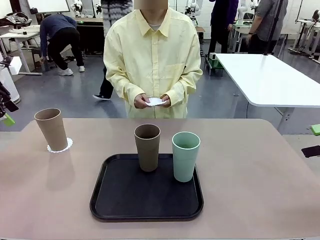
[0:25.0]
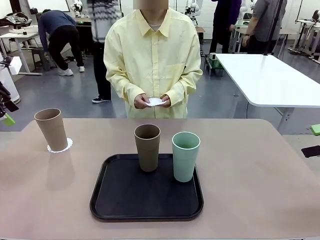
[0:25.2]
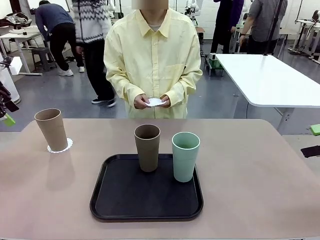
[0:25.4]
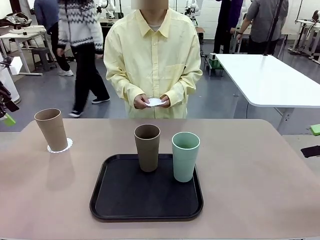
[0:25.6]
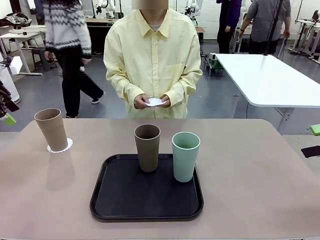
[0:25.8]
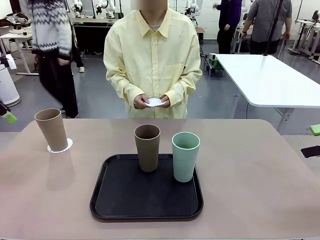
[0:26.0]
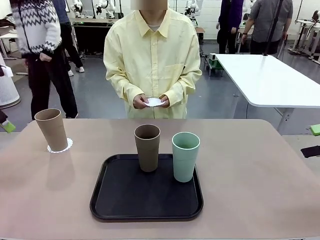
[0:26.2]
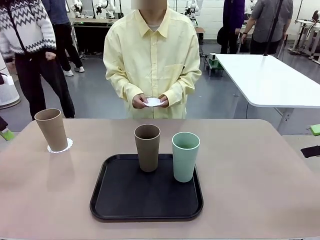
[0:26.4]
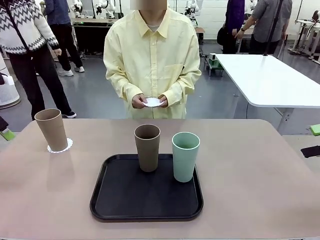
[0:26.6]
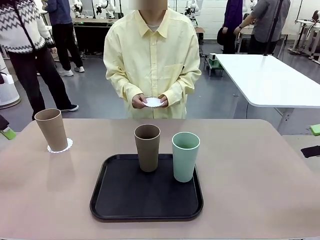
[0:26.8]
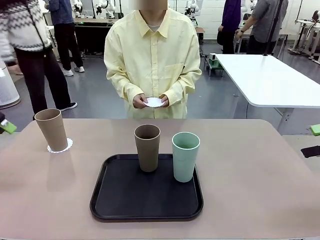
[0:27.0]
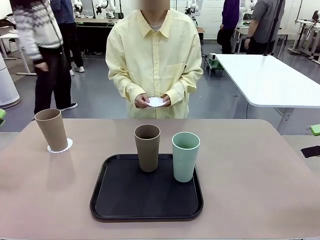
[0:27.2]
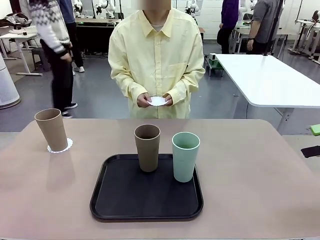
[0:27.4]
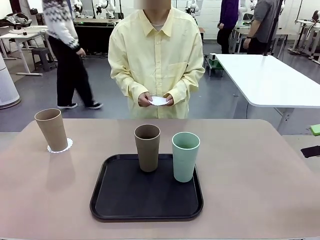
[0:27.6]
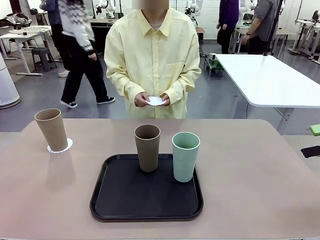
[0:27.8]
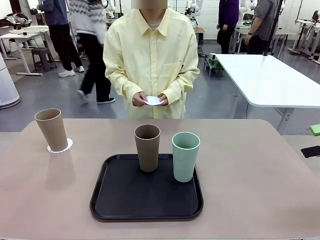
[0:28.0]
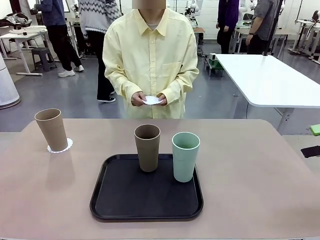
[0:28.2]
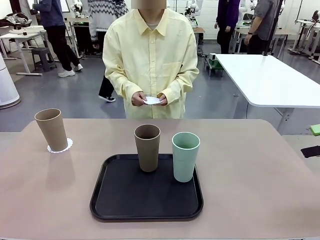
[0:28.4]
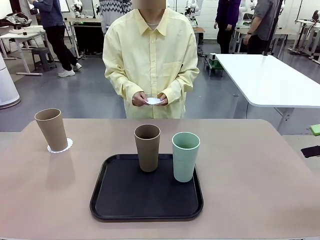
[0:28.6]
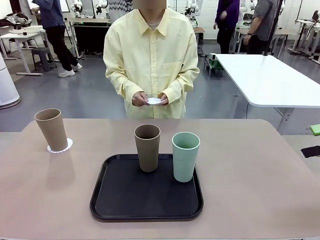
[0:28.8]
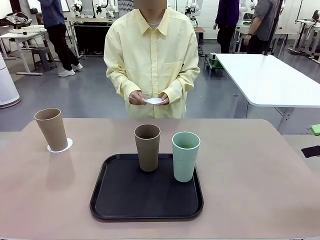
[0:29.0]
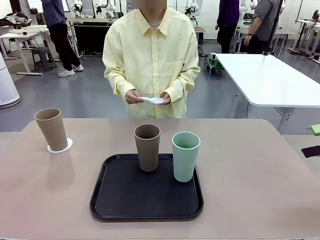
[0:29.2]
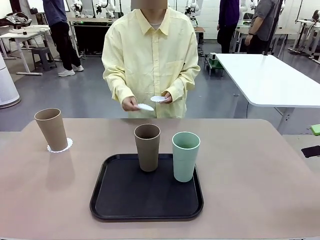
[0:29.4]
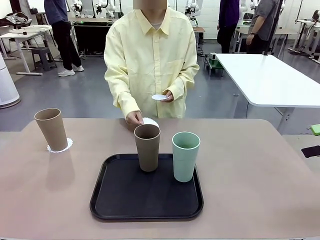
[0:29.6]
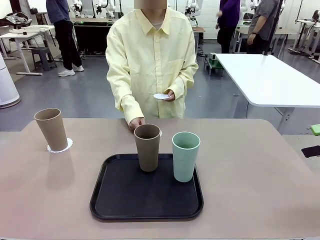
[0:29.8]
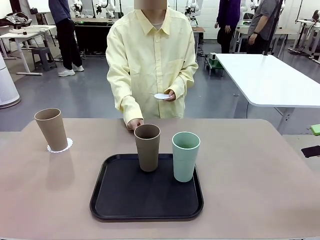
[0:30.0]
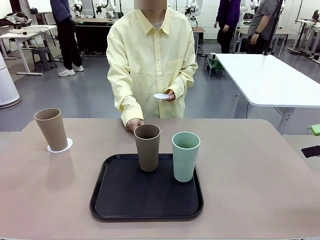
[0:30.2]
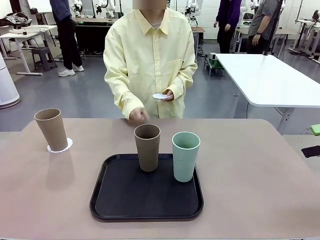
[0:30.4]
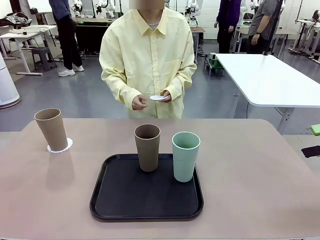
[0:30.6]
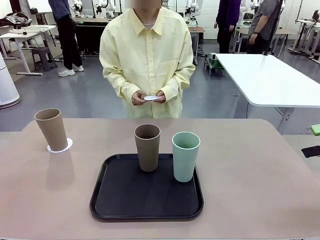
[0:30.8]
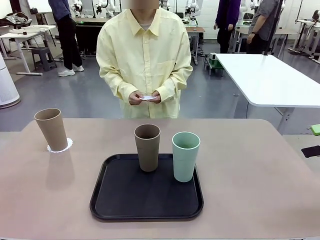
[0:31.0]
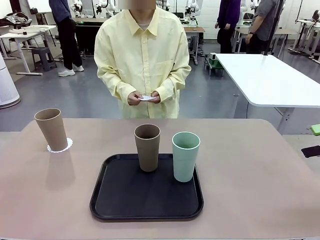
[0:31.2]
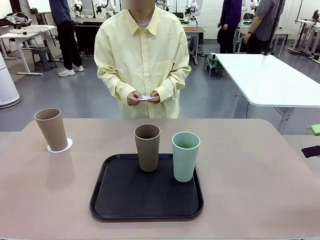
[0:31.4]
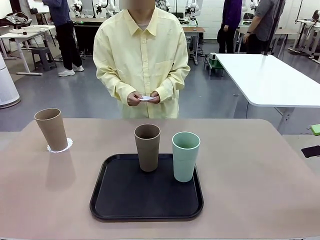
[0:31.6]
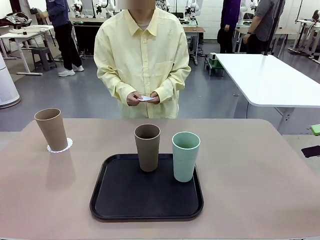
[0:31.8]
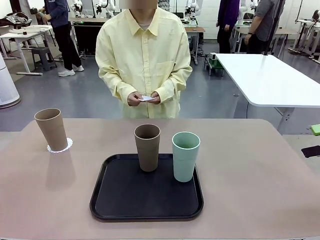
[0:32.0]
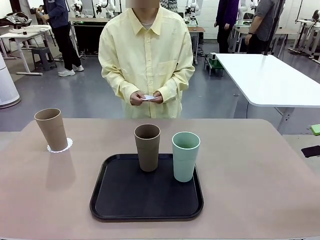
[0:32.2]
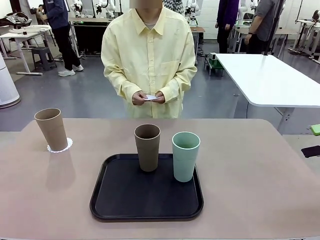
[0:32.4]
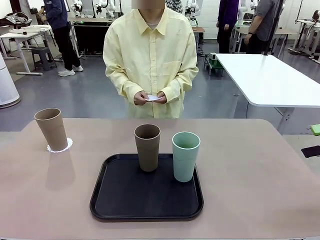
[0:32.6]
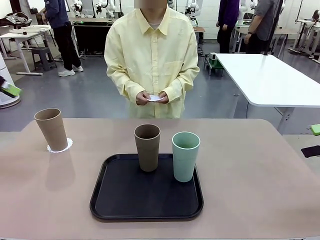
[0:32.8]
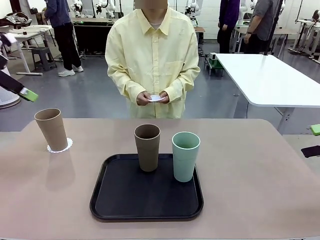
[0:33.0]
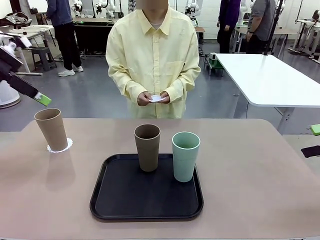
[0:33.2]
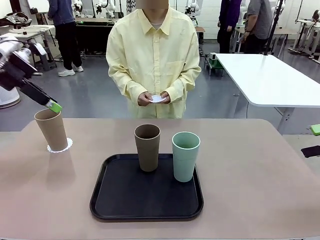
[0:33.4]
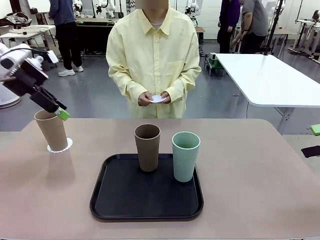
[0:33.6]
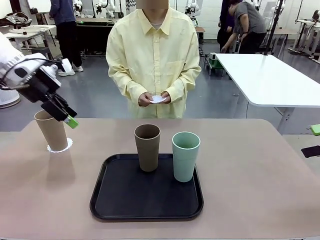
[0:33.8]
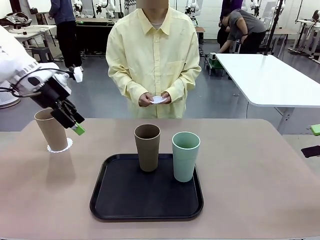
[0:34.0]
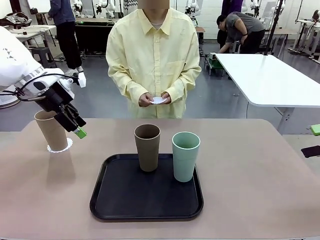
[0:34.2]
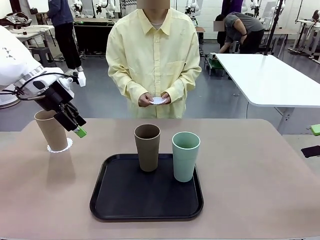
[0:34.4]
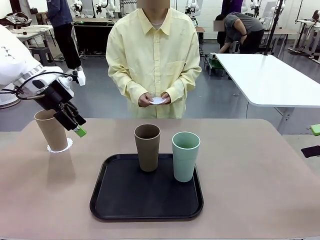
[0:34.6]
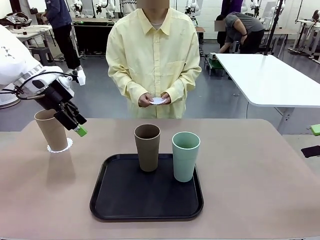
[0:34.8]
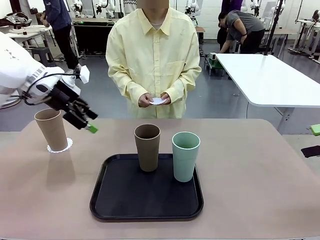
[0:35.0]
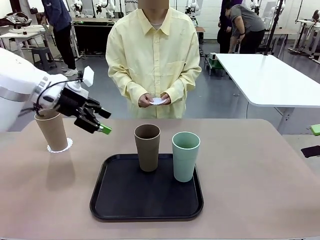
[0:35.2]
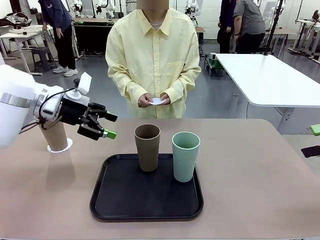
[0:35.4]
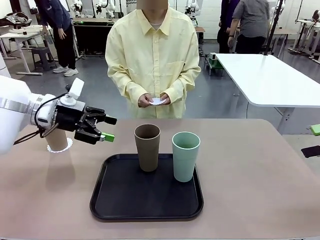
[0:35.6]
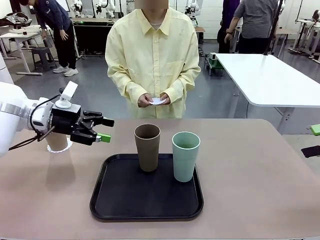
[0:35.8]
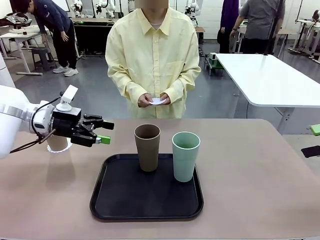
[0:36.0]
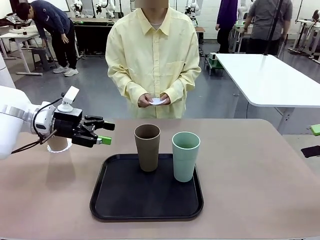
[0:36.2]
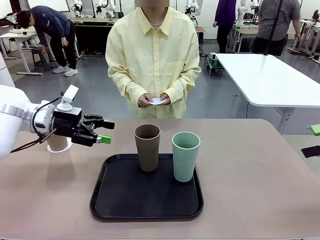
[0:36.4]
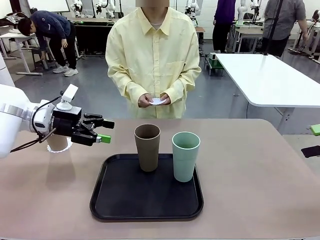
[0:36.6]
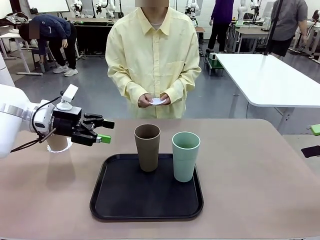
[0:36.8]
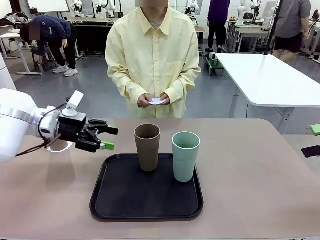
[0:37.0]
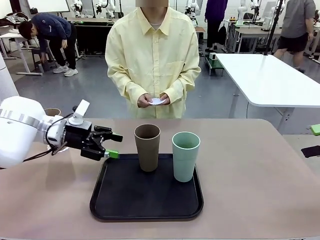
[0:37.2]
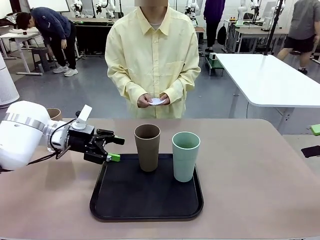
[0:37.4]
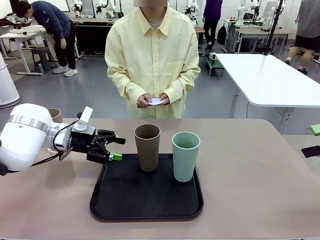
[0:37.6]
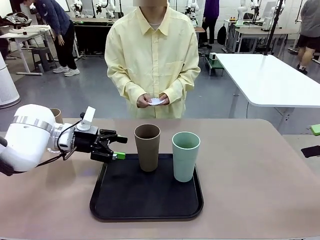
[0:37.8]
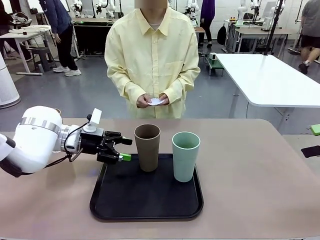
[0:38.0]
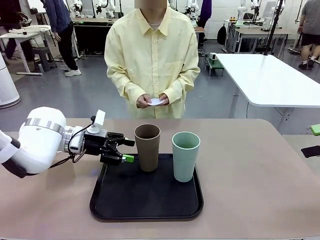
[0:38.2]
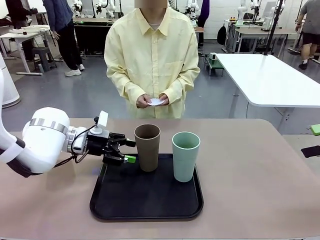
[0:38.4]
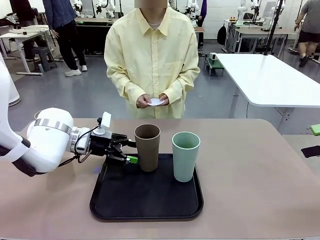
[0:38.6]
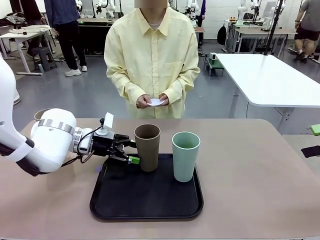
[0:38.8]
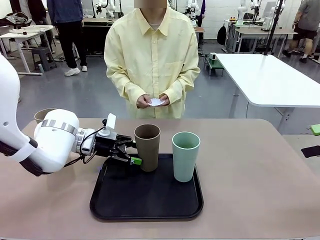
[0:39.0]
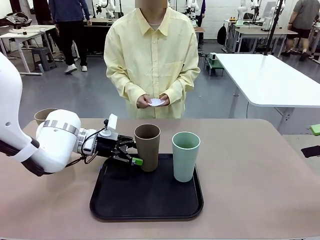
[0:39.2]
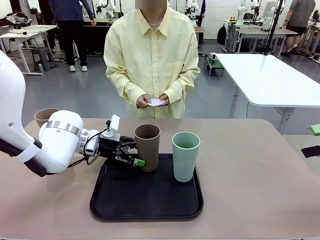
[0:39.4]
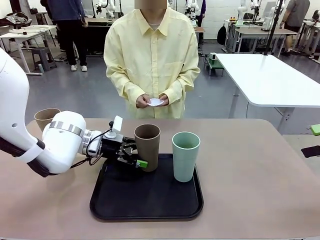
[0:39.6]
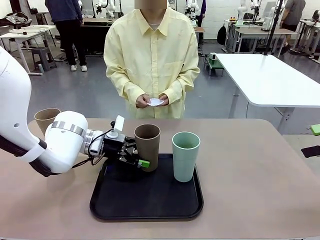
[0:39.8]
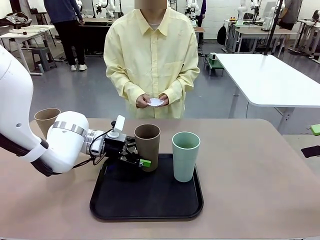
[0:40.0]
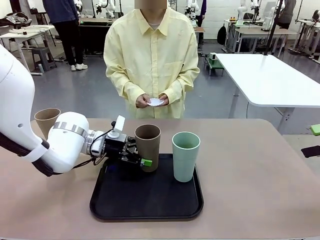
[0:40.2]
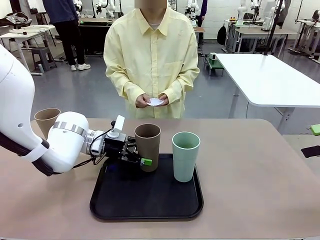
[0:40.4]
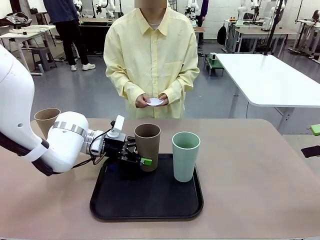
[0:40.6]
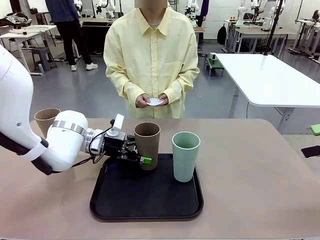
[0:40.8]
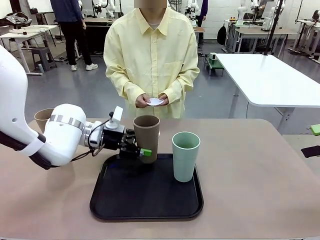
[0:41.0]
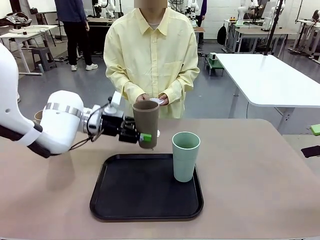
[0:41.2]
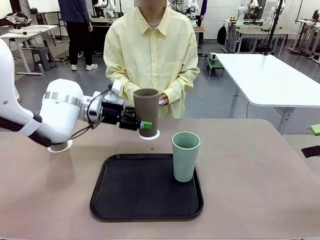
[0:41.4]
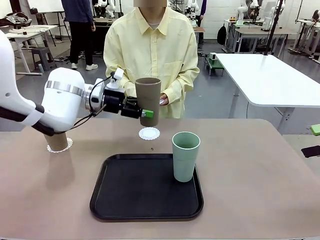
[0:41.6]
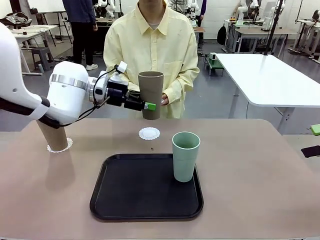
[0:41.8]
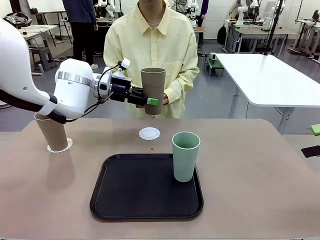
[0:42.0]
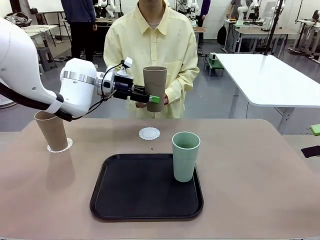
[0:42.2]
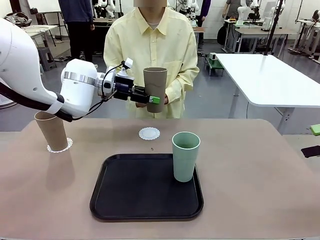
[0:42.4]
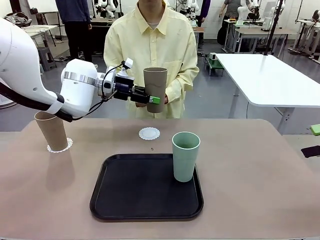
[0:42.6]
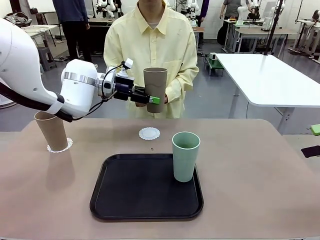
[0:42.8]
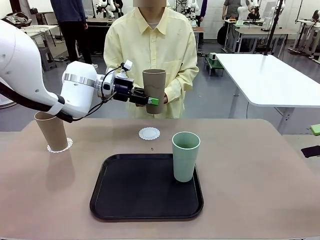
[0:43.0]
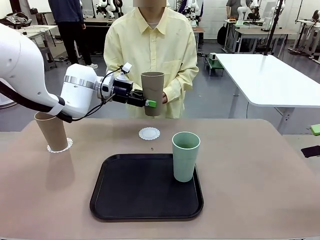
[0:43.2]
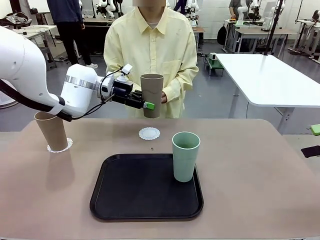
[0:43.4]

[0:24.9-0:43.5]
Task: Place coasters on the table and set cups on them.
Robot: Take one Reusable plastic cup from the Flat Tray and place it on a coaster set by the human.
